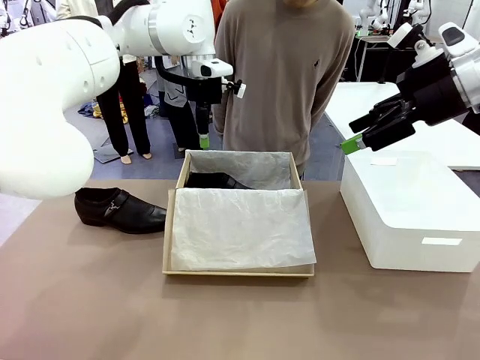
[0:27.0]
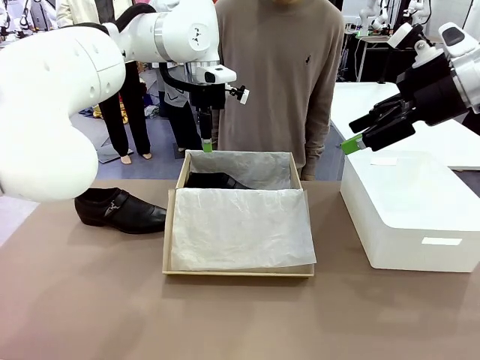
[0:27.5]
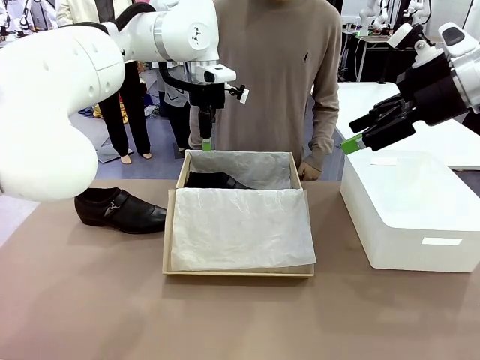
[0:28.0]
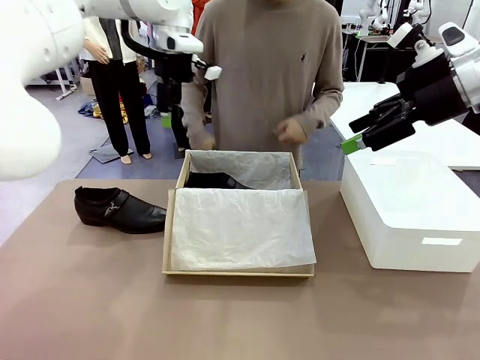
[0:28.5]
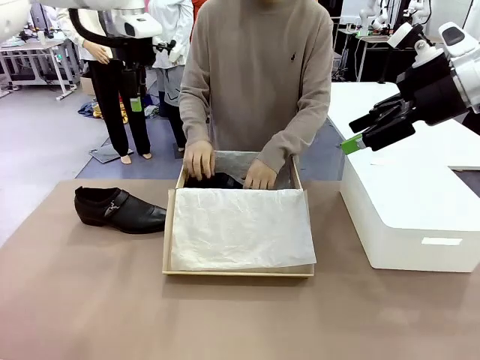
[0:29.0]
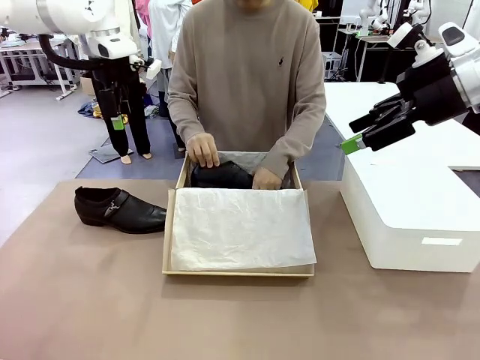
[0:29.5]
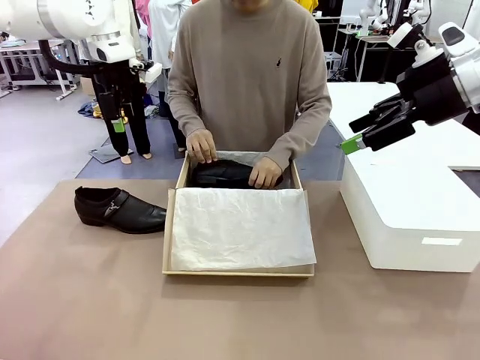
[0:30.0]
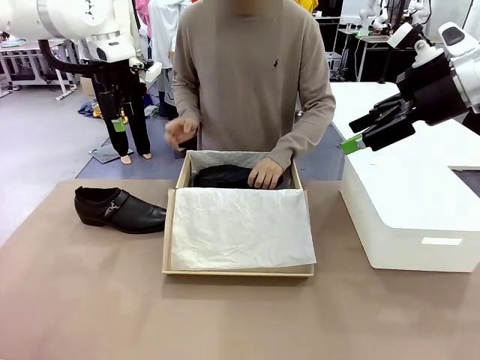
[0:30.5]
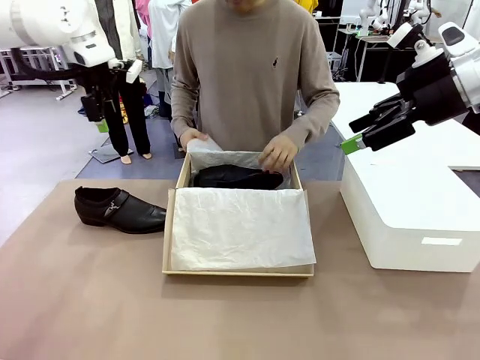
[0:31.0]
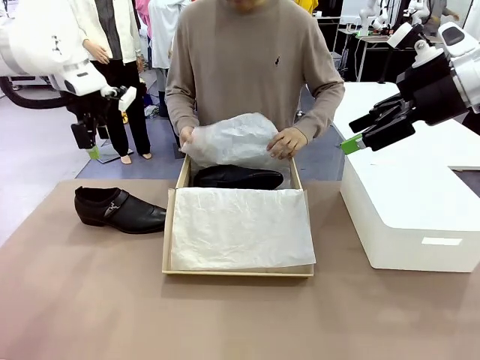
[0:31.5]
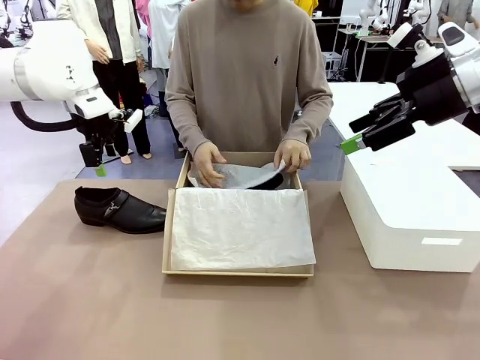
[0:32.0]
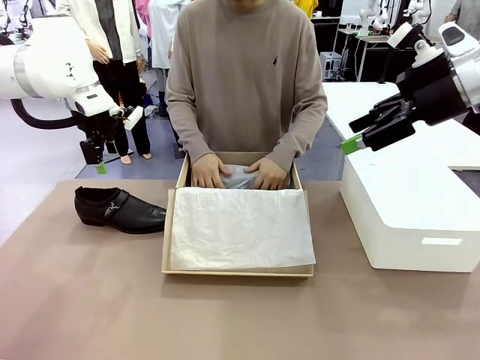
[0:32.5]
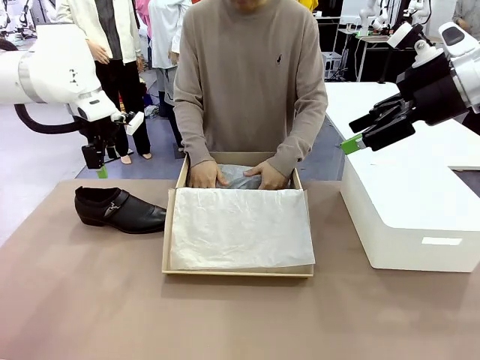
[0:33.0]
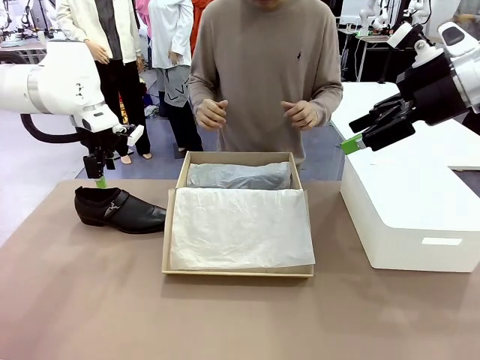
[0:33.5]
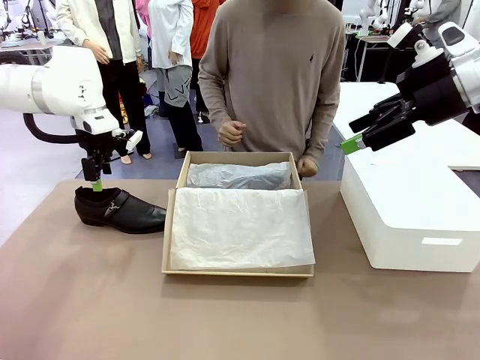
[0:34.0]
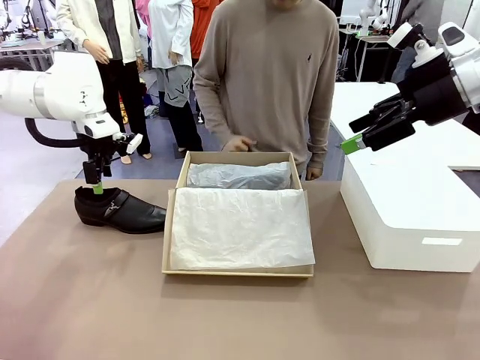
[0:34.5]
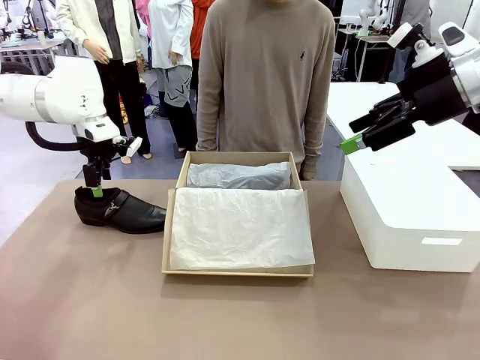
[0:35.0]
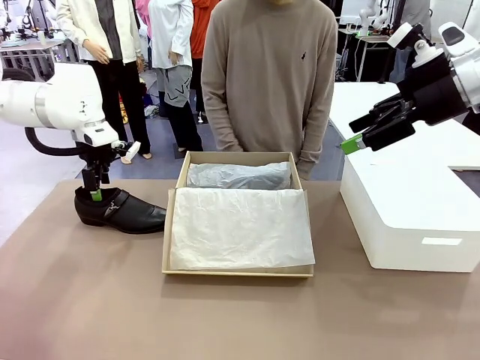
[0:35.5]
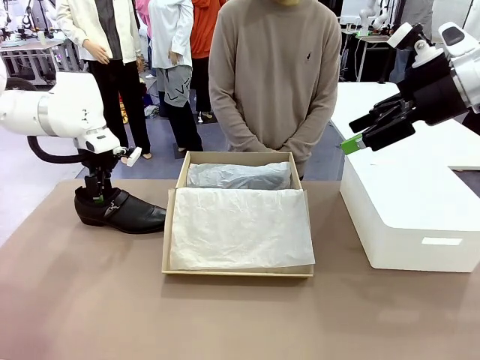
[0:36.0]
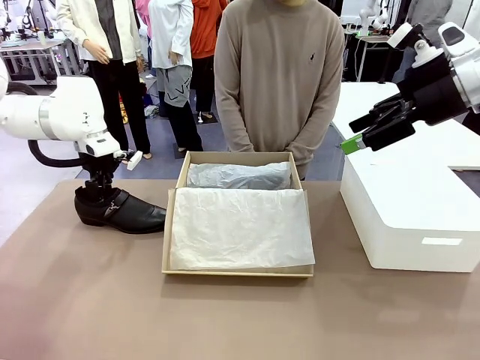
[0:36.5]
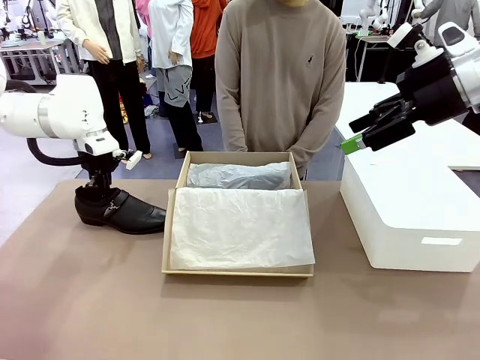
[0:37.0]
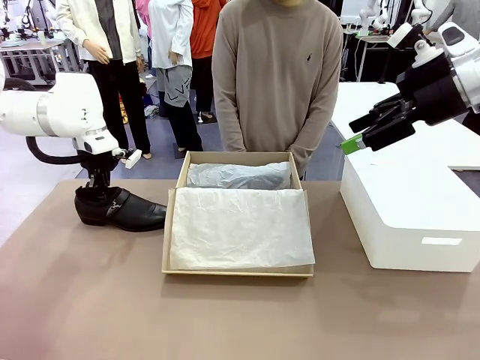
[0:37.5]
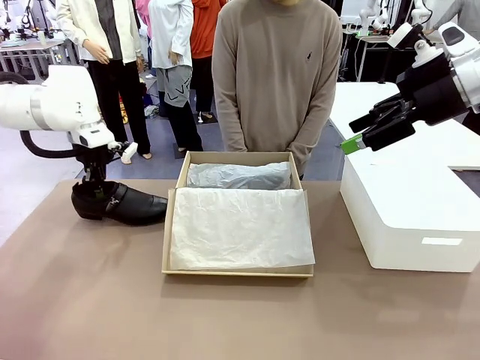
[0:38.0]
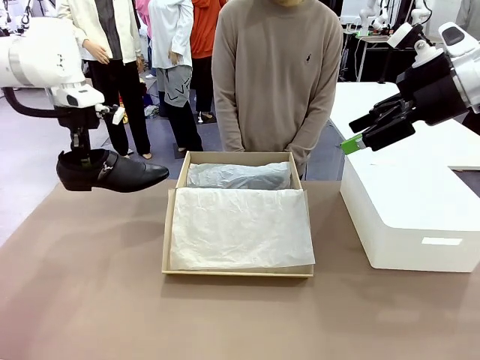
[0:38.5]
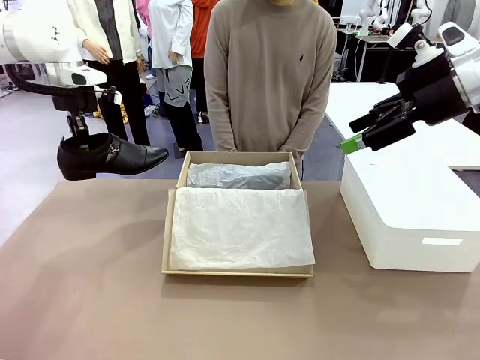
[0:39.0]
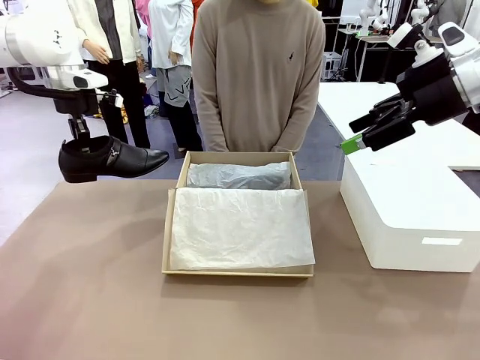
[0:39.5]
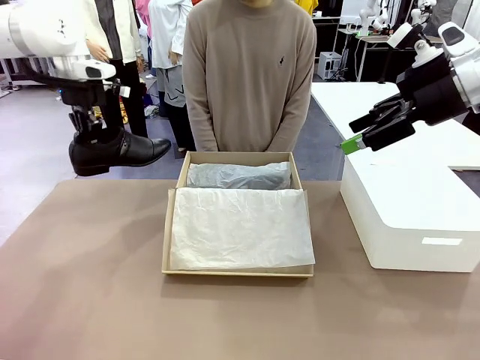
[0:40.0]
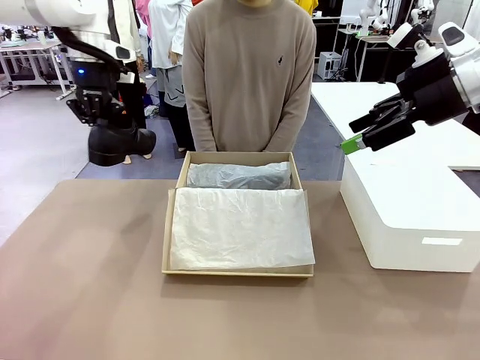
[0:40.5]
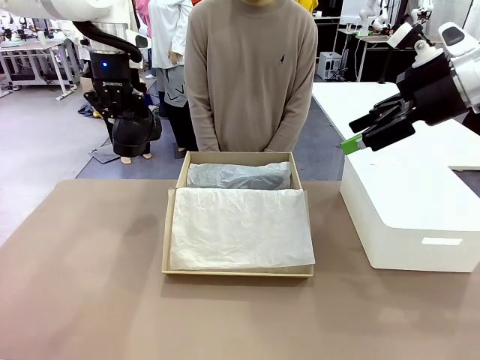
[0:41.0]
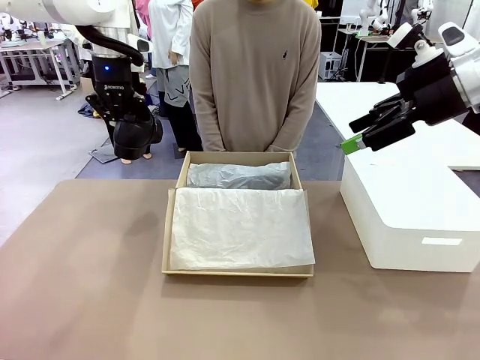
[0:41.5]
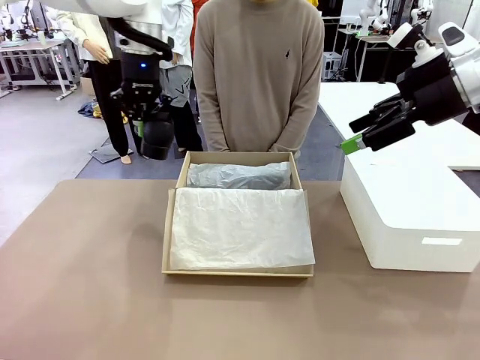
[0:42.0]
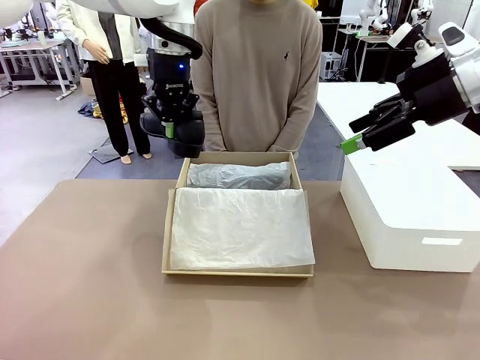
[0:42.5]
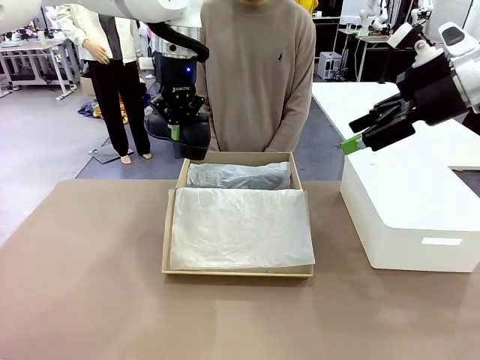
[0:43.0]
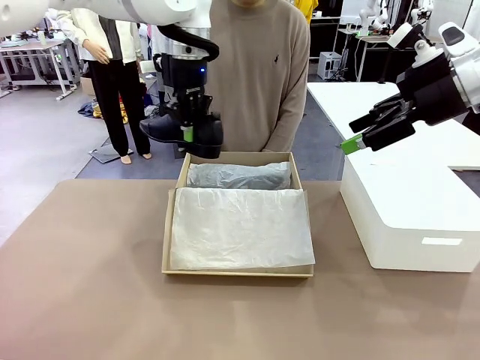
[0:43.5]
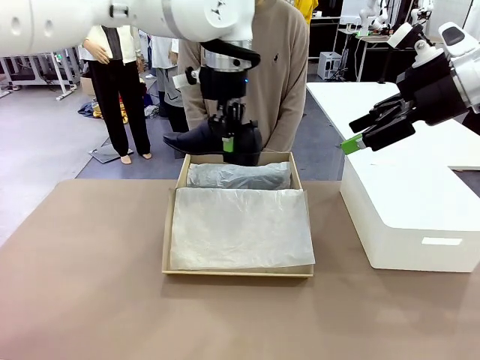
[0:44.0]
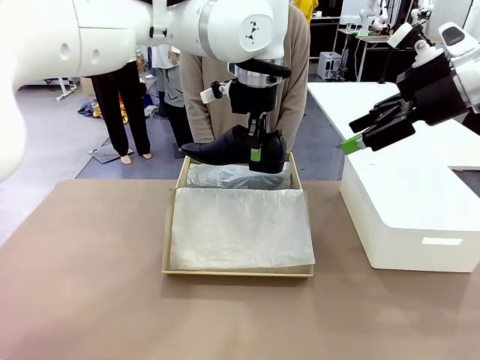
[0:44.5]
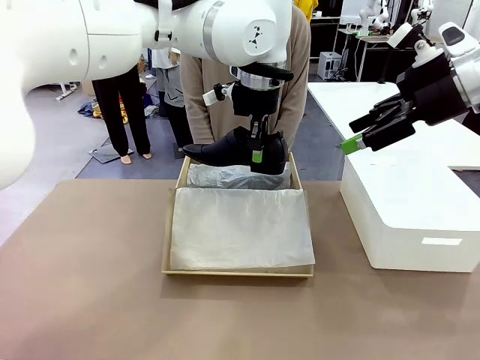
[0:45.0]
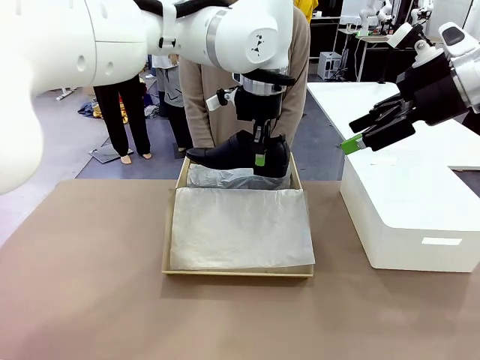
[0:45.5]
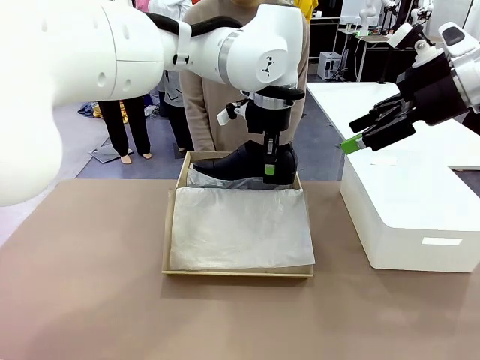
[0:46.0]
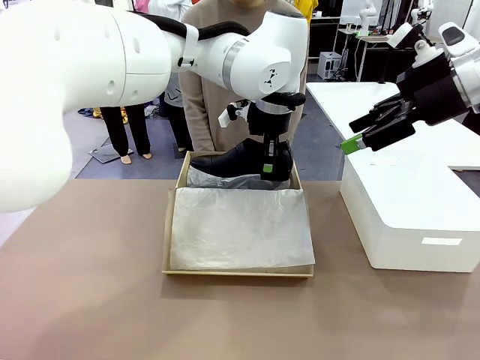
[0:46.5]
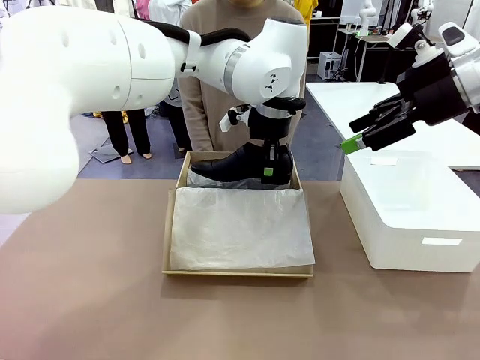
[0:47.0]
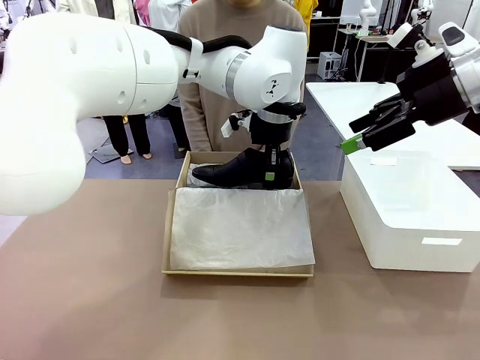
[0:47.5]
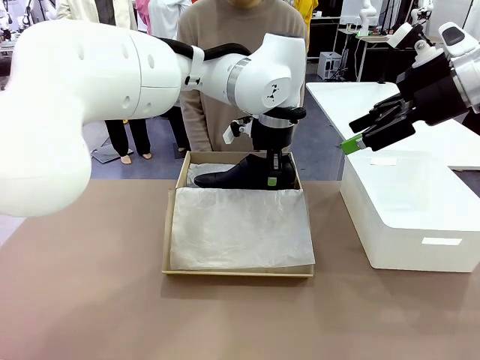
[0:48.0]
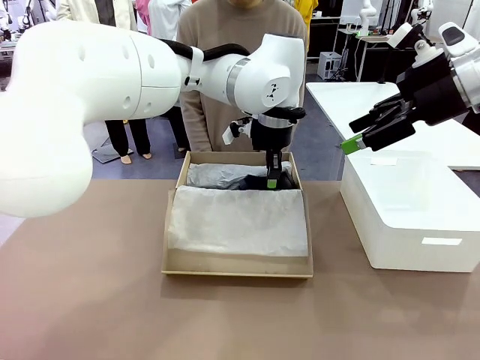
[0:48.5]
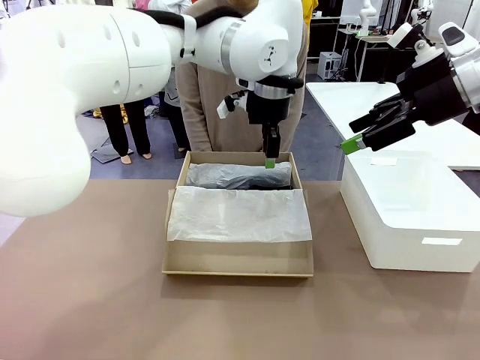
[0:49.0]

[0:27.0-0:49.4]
Task: Pack the shoes into the box.
Robot: Place the other shoe of the Shoes into the Shoes Box.
Person: Pack a shoe of Shoes inside the Shoes Box with Shoes Wrapping Paper.
